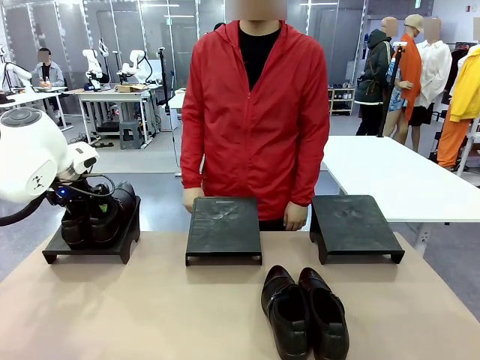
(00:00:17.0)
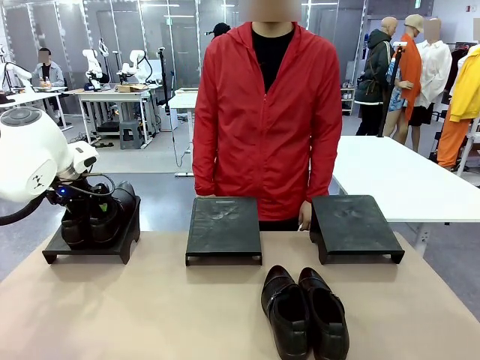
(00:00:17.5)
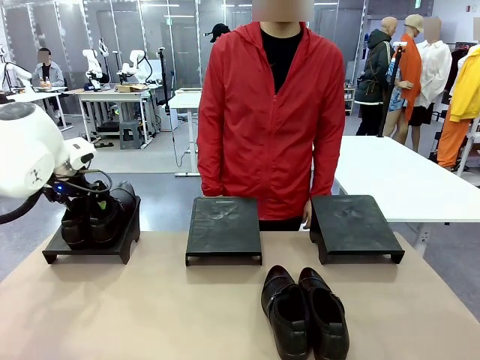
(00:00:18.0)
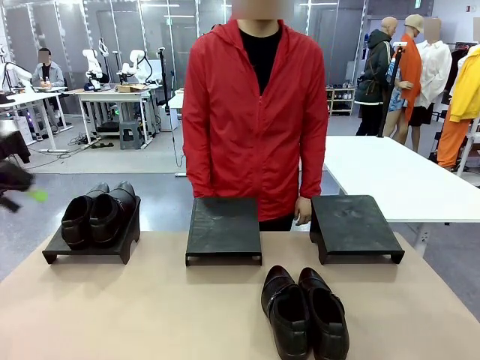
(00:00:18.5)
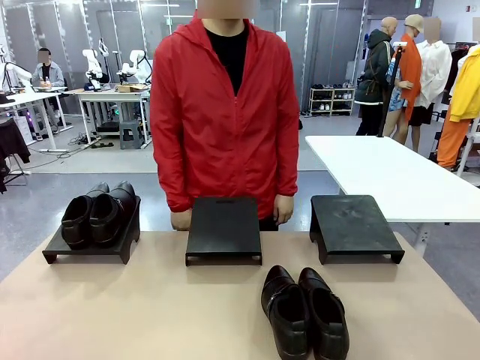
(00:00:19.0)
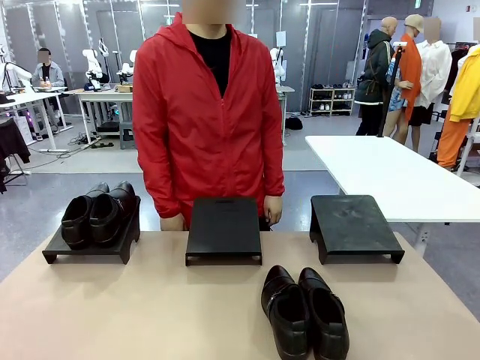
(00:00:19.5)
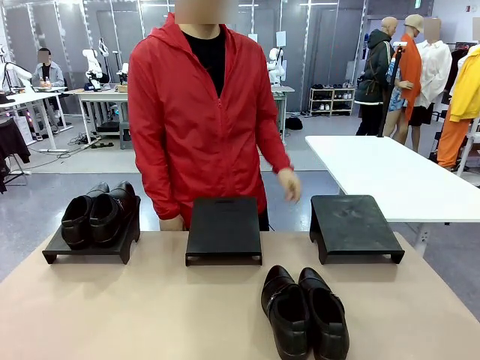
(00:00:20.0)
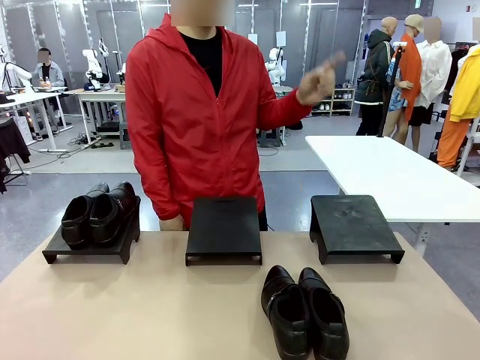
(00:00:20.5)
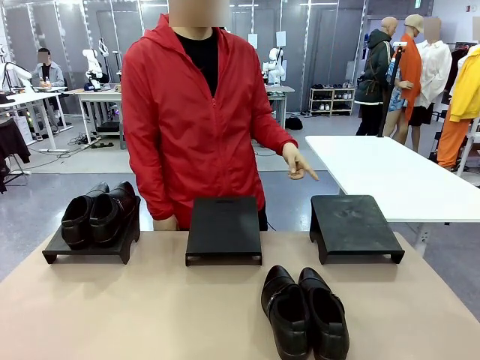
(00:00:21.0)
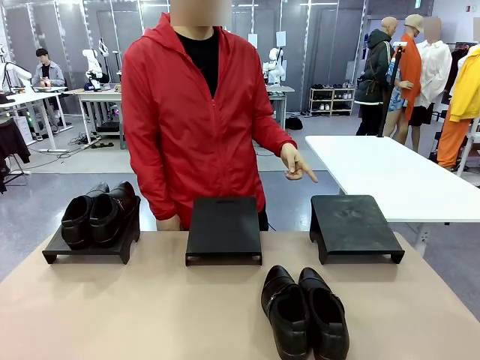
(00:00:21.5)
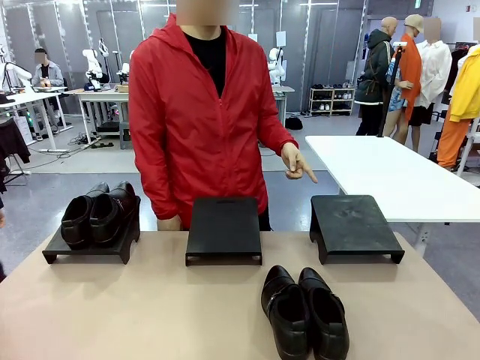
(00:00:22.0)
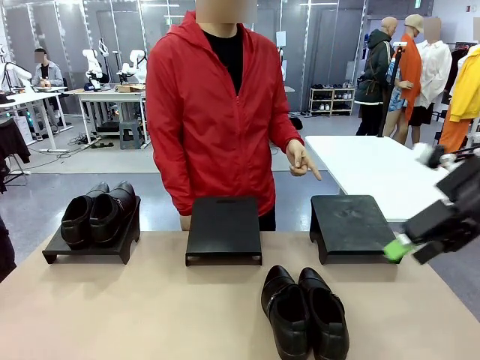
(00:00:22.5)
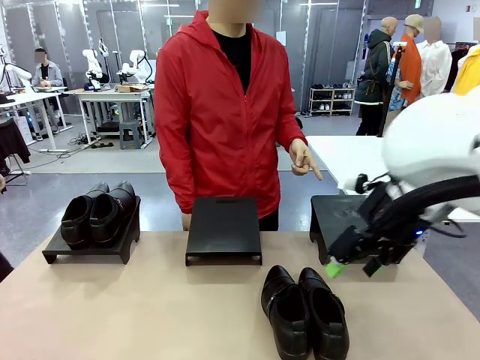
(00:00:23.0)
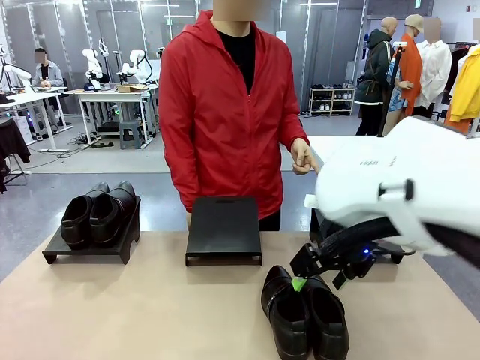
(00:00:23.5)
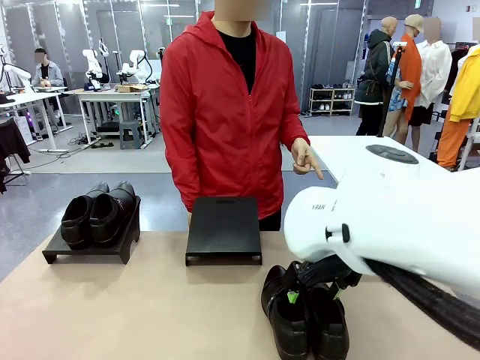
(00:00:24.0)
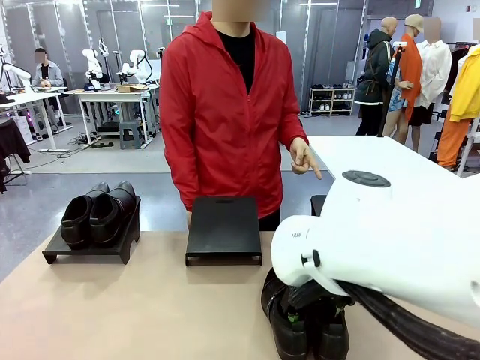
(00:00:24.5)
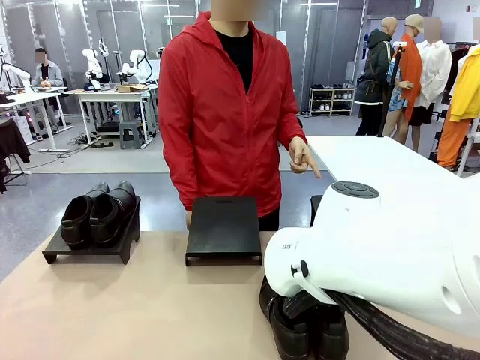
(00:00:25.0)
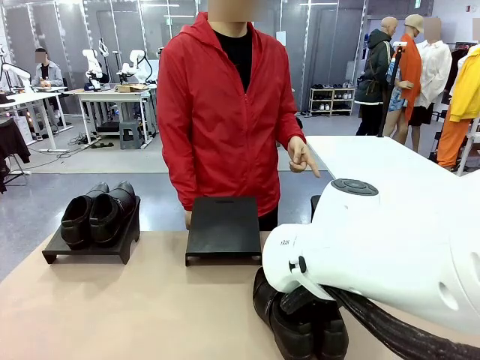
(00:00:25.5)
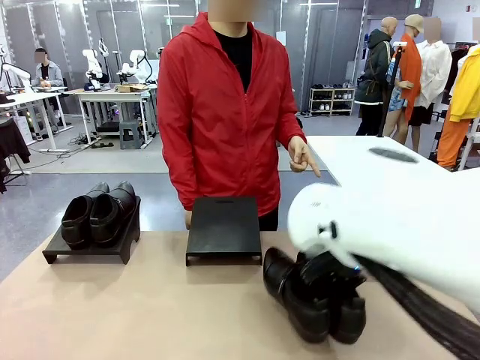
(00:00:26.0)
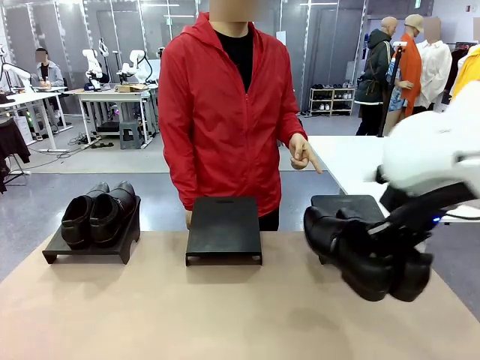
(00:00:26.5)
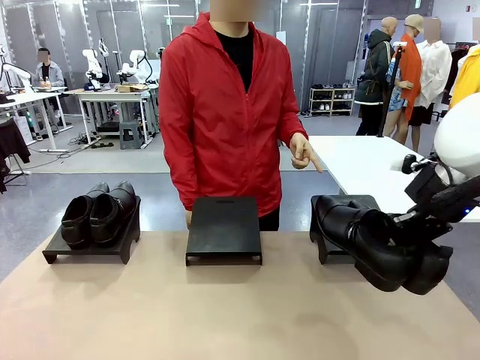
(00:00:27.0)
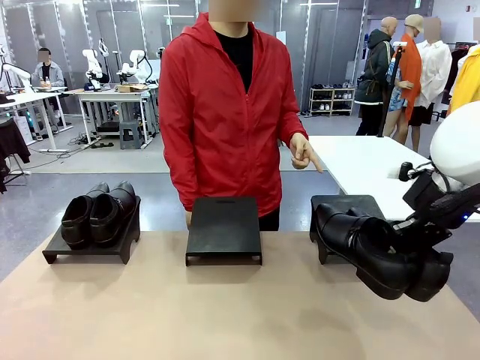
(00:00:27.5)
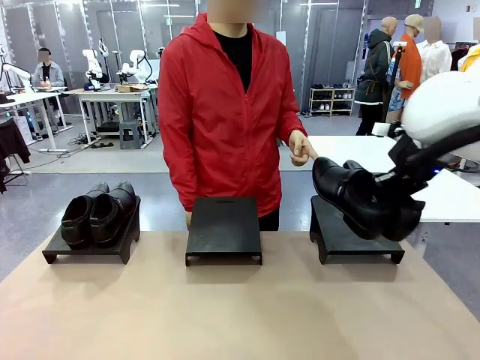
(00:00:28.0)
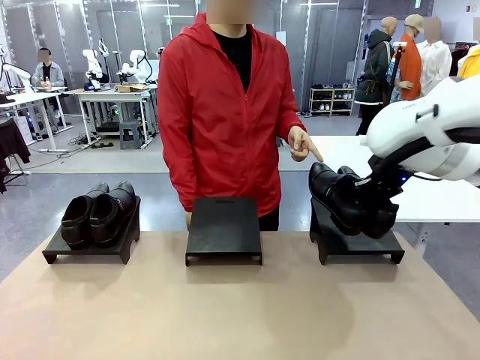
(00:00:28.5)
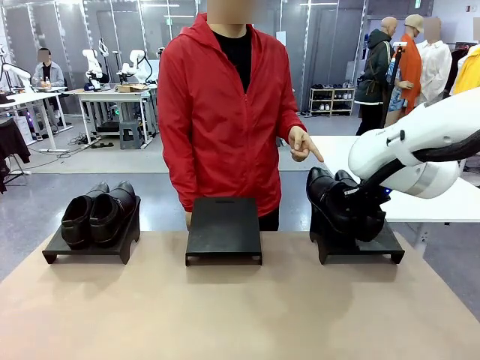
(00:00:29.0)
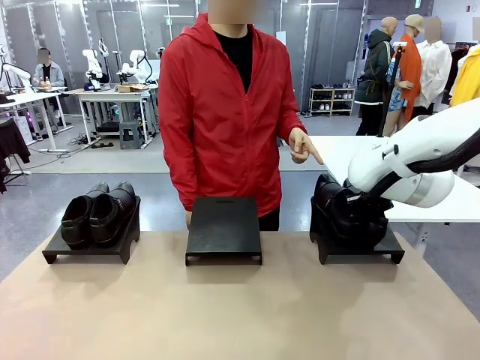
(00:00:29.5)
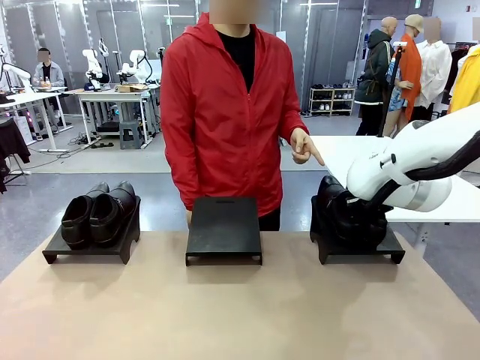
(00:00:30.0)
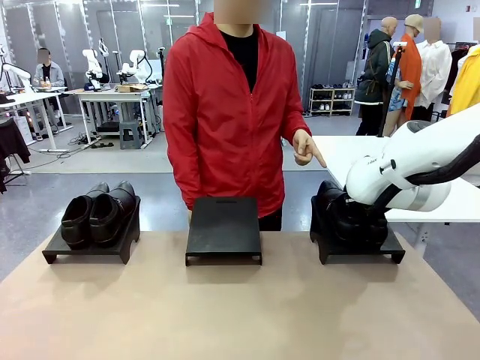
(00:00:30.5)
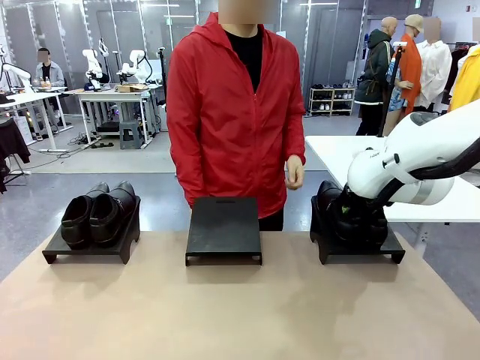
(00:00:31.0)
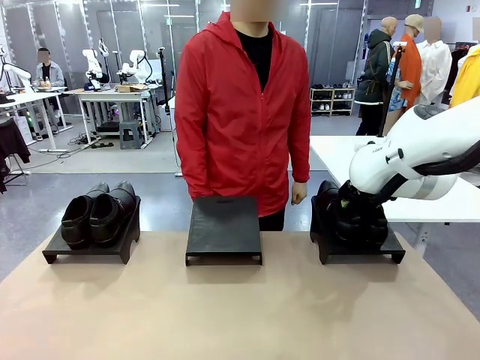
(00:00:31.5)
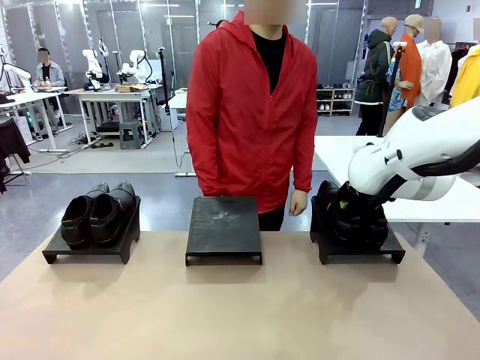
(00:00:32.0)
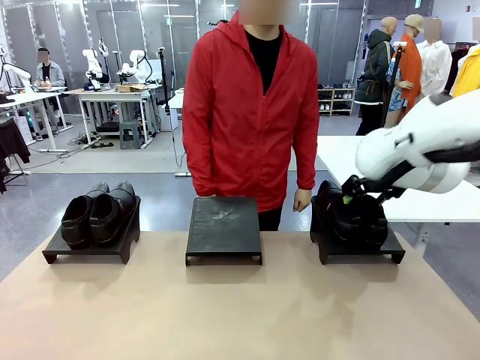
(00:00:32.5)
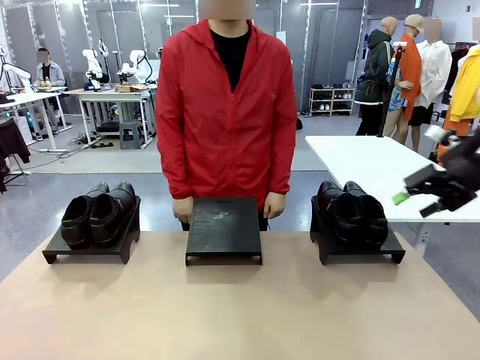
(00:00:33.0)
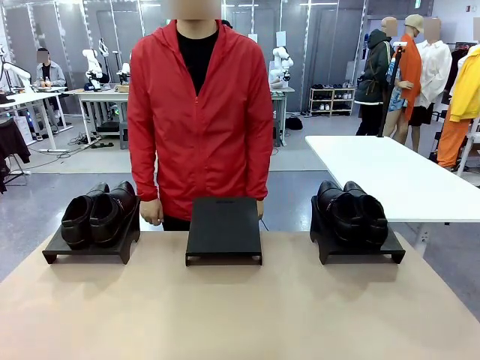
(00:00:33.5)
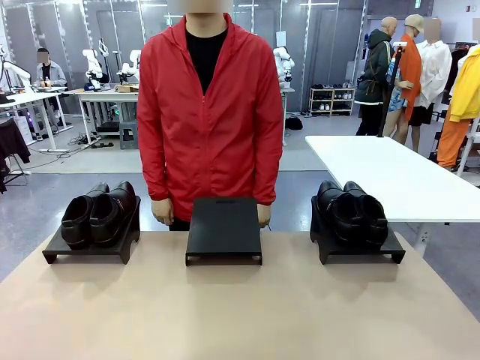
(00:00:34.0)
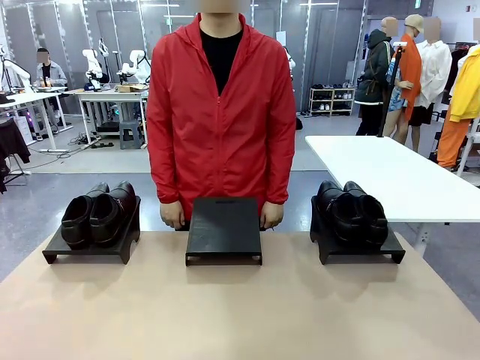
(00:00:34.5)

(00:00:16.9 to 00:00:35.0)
Task: Place the shoes on the stand as instructed by the person.
Robot: Pick up another pair of Shoes and place it on the Shoes Stand indicated by the person.
Person: Point to one Shoes Stand.
